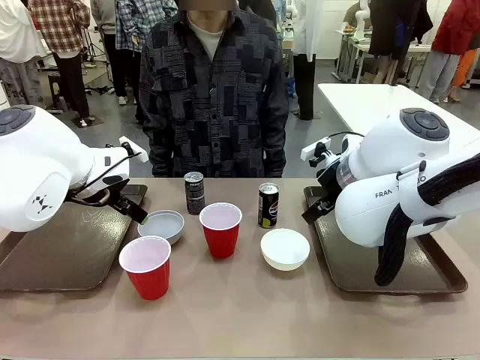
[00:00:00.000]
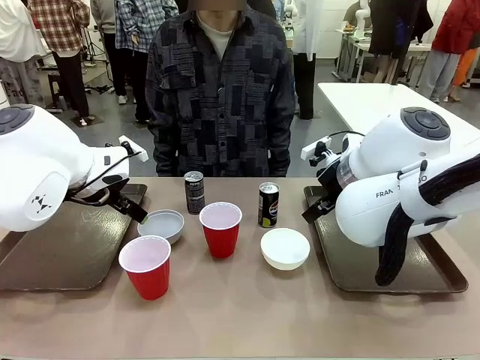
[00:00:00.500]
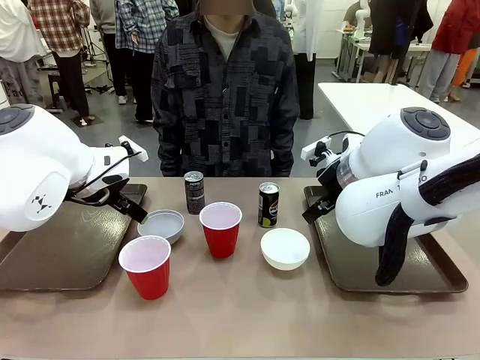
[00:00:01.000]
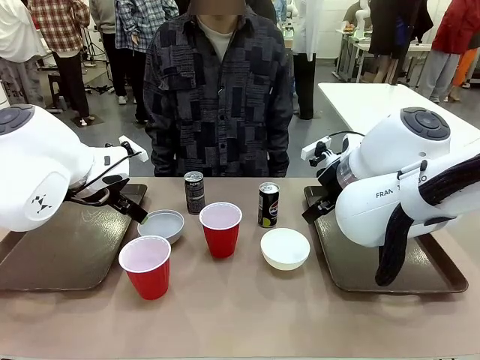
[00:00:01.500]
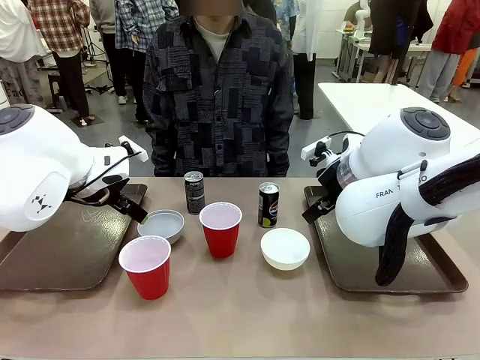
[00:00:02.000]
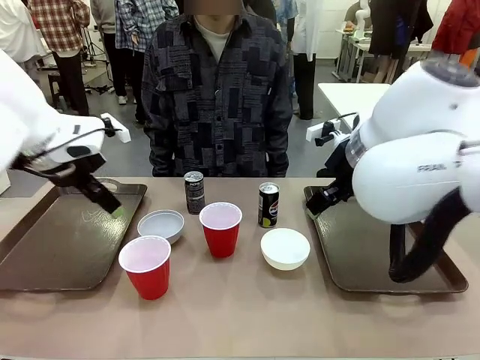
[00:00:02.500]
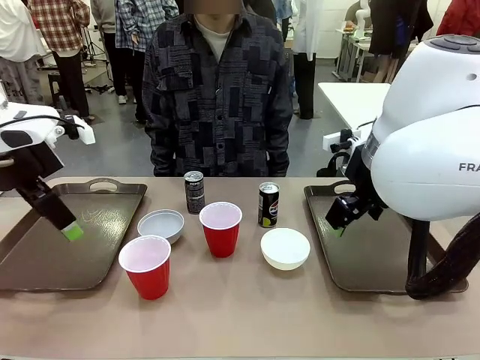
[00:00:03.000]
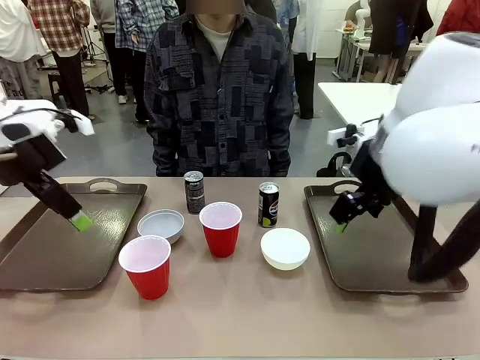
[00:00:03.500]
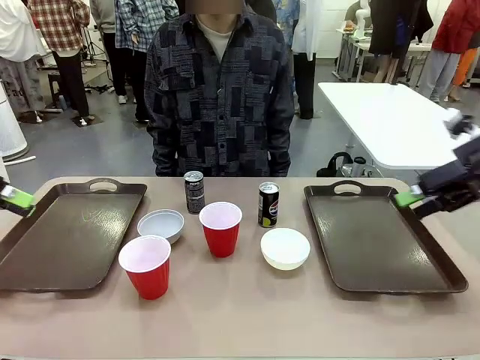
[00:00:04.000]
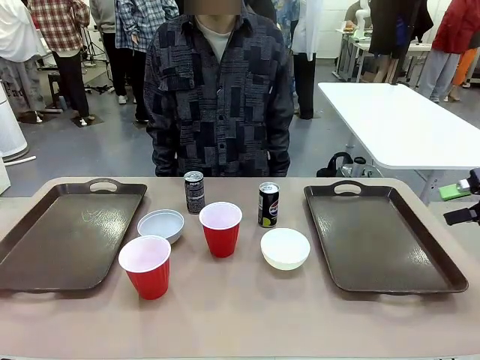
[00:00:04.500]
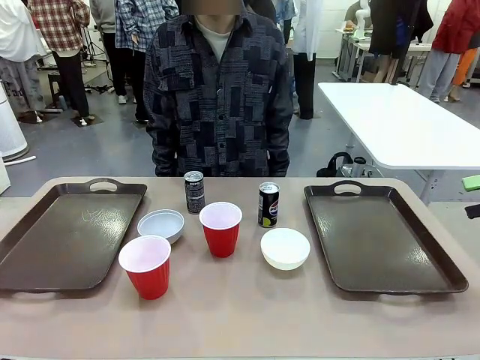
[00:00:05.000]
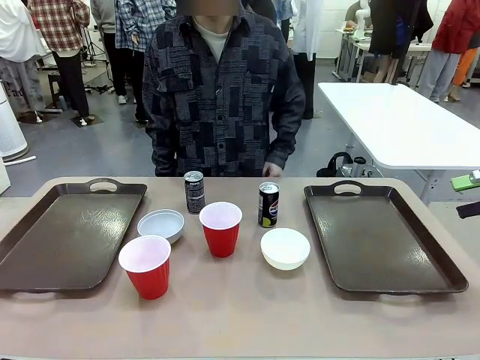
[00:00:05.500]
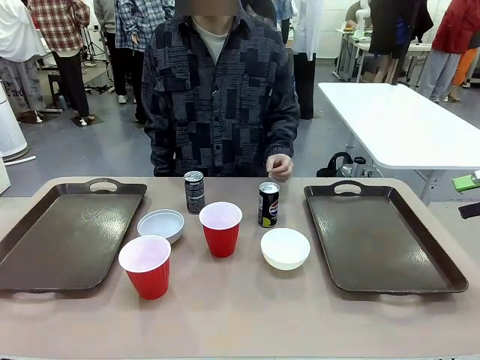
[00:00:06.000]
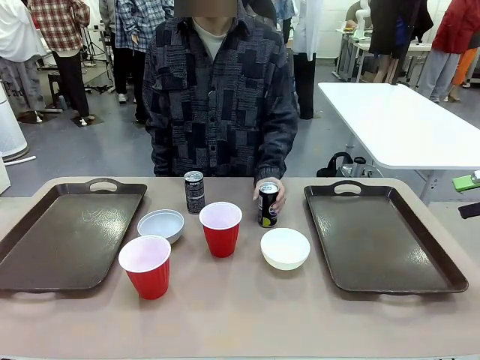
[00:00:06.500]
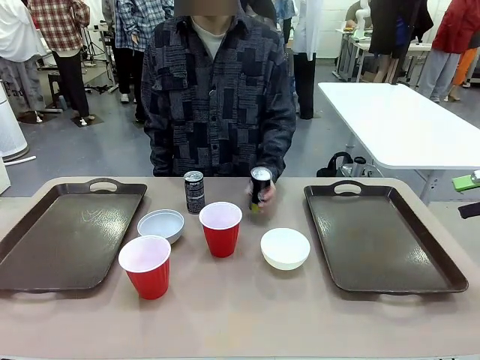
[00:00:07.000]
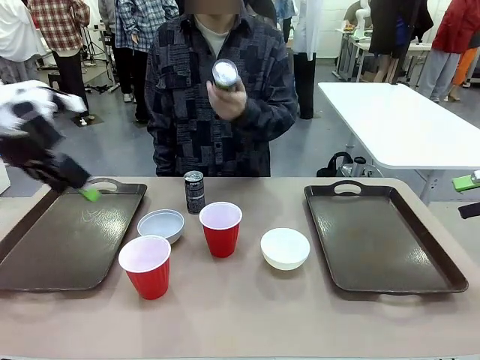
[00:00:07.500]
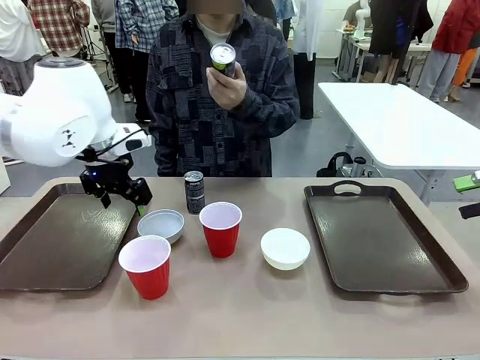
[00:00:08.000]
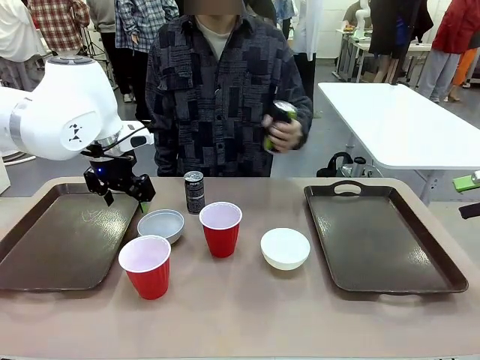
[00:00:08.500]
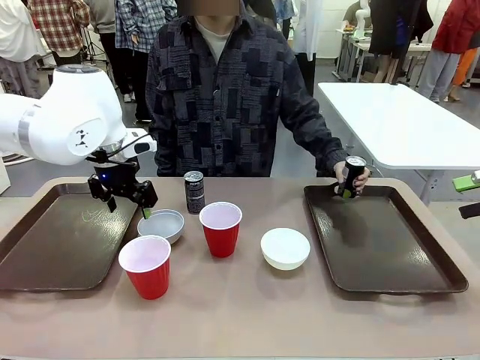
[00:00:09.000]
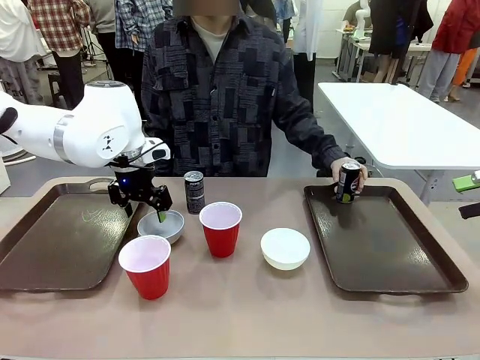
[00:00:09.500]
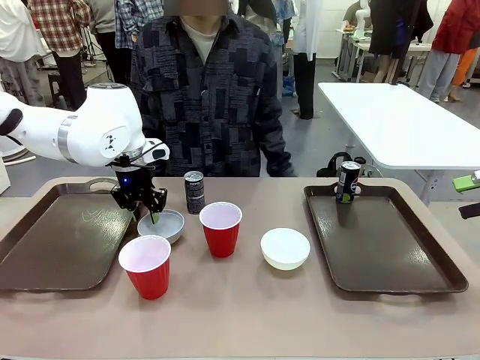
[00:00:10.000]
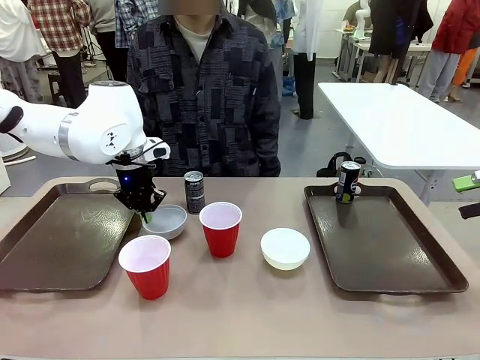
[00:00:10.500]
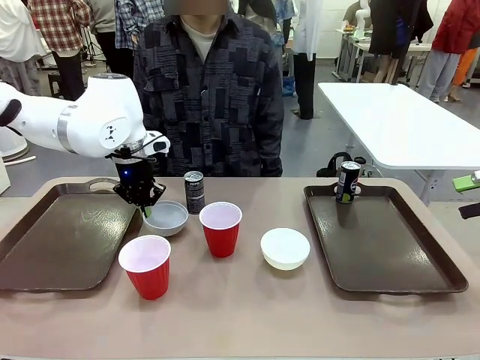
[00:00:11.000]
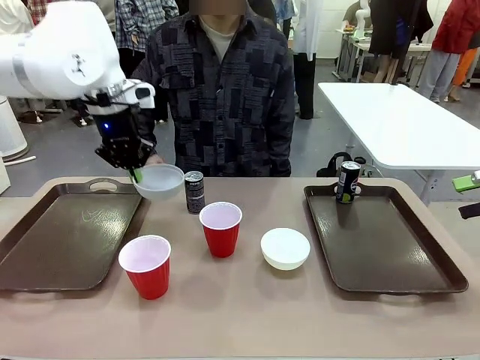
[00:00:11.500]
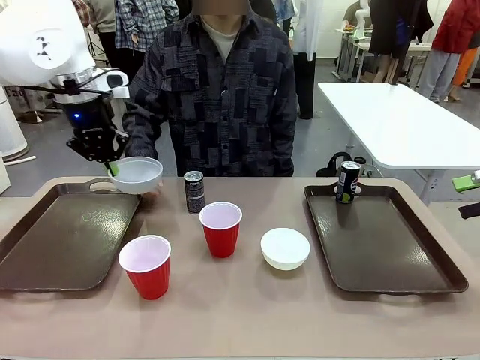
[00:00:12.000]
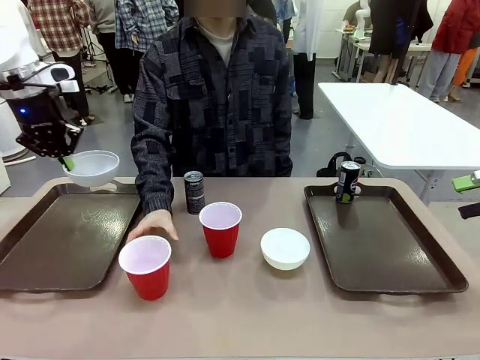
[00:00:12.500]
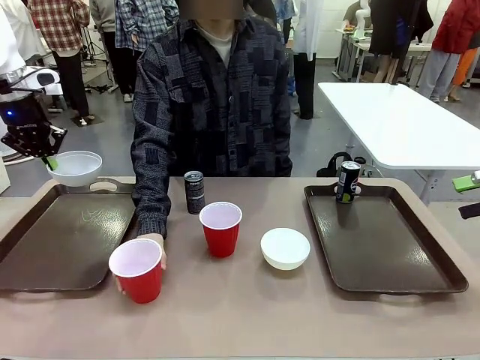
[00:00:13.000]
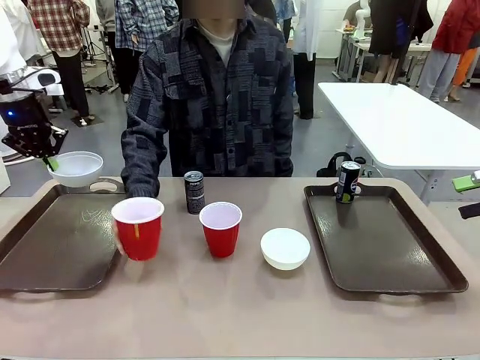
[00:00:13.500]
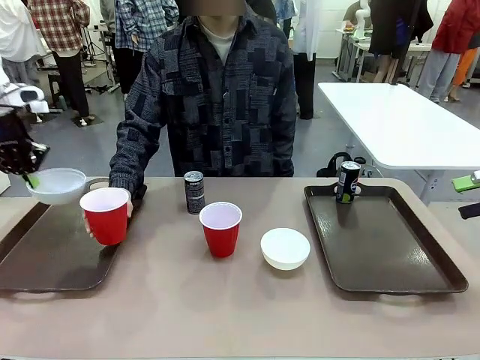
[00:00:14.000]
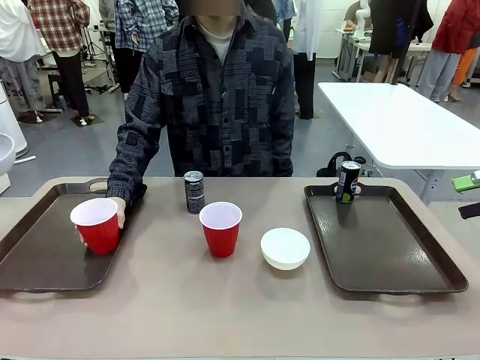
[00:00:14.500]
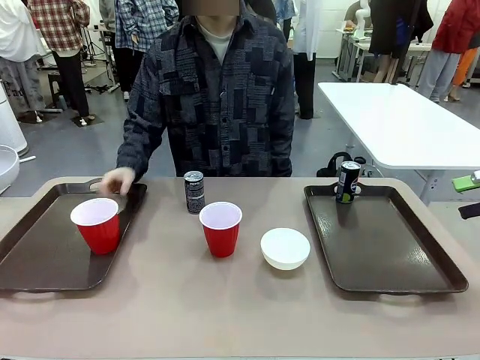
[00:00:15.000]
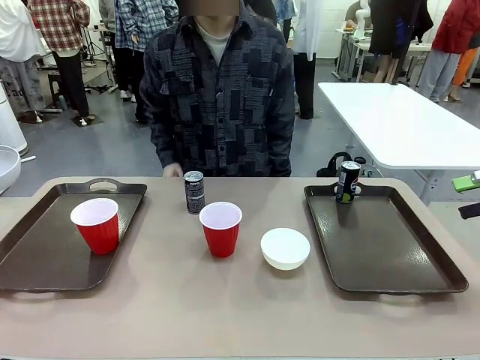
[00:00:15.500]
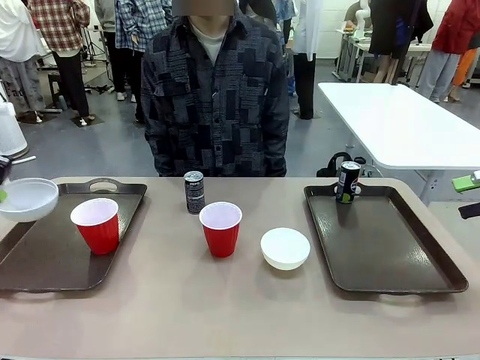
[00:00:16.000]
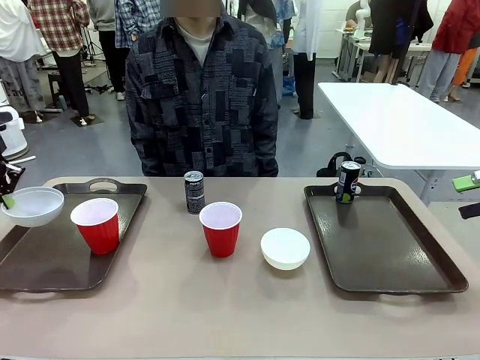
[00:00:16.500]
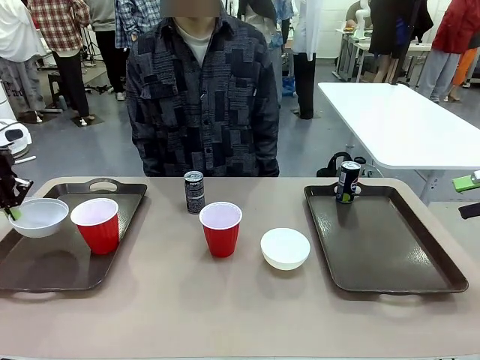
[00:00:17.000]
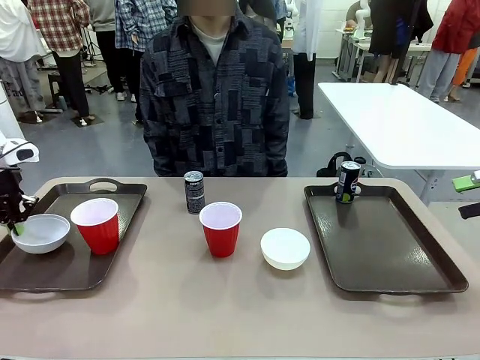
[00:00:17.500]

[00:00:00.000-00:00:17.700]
Task: Prepare tableware on both trays.
Robot: Pick up a Picnic Bowl from the table and place it on a Handle tray.
Person: Pick up a can or cup and place it on the tray.

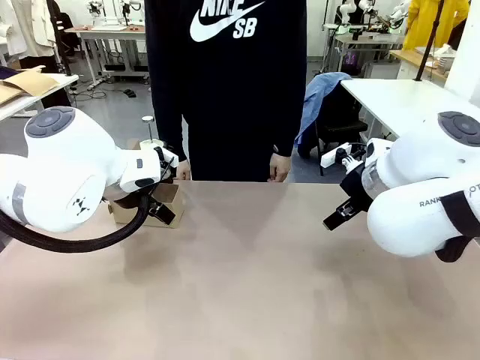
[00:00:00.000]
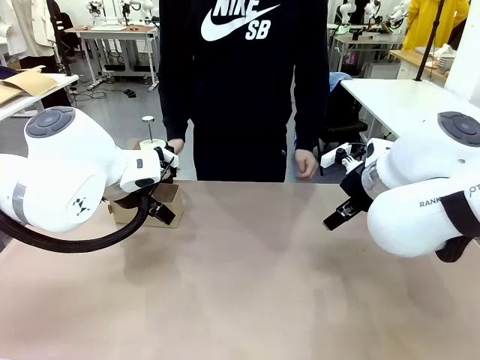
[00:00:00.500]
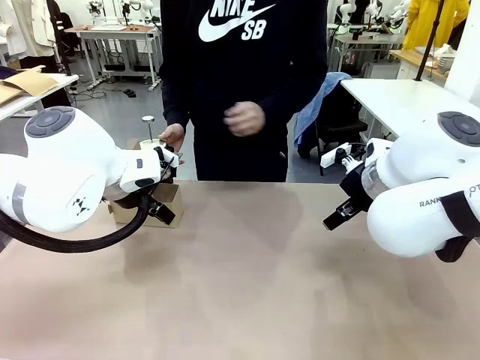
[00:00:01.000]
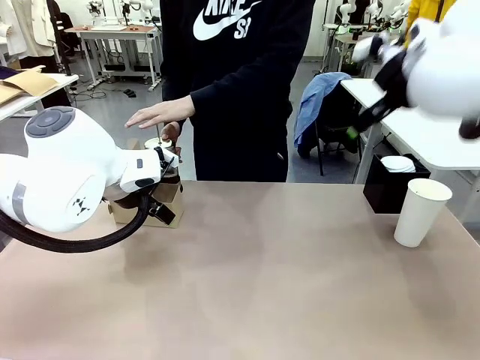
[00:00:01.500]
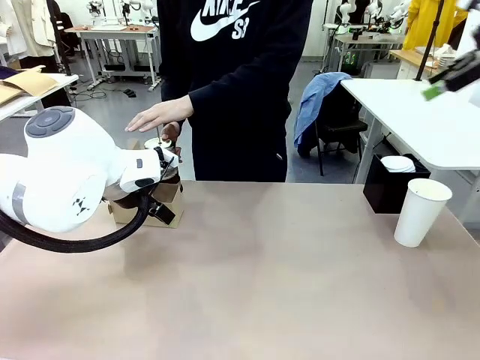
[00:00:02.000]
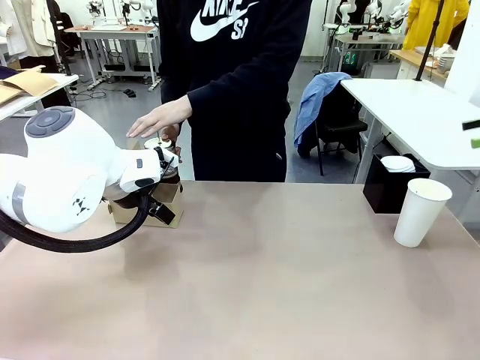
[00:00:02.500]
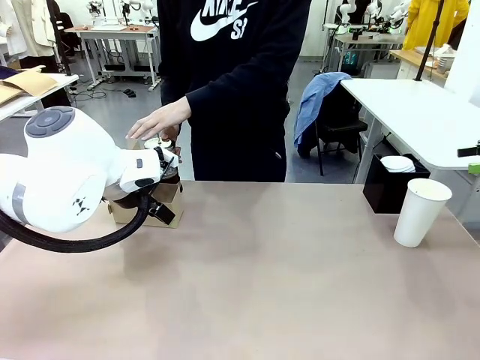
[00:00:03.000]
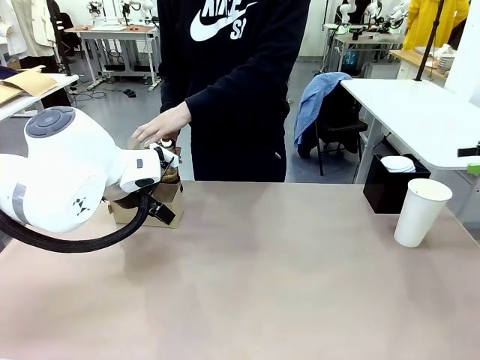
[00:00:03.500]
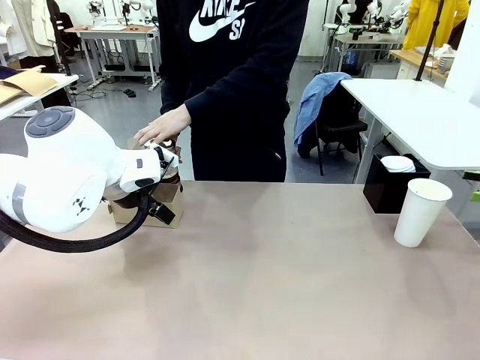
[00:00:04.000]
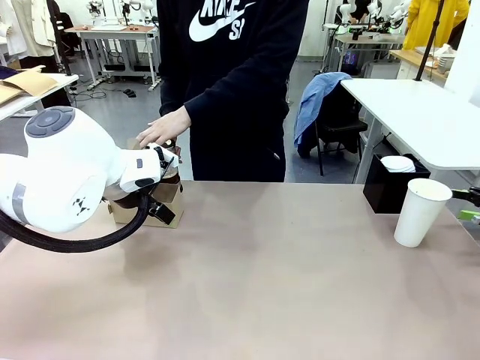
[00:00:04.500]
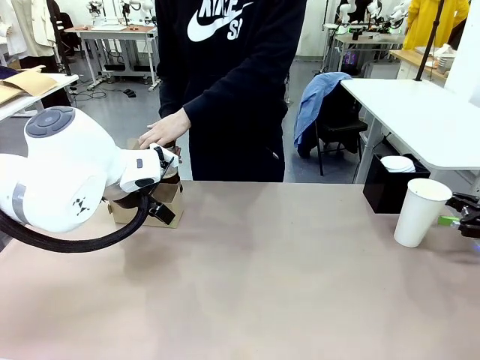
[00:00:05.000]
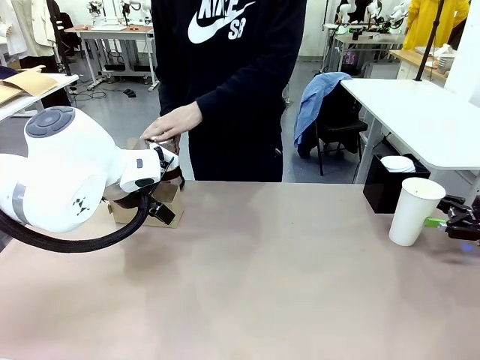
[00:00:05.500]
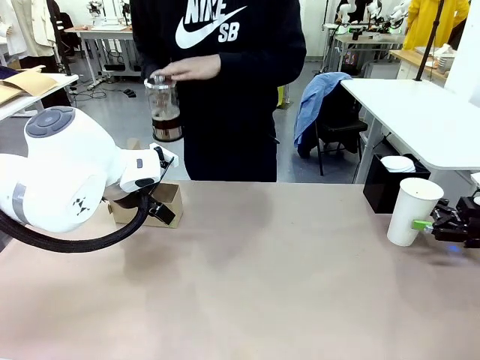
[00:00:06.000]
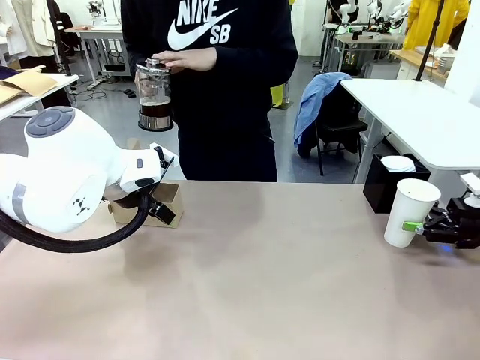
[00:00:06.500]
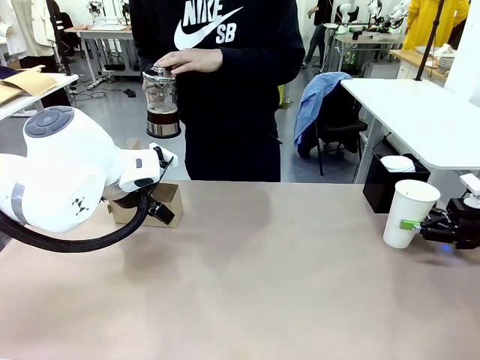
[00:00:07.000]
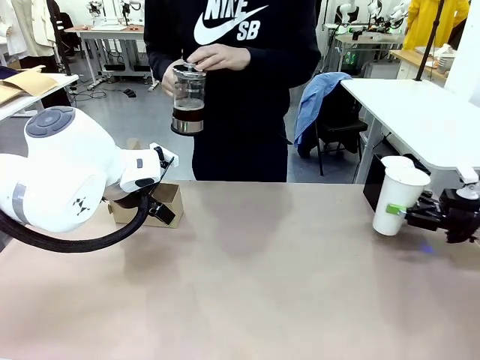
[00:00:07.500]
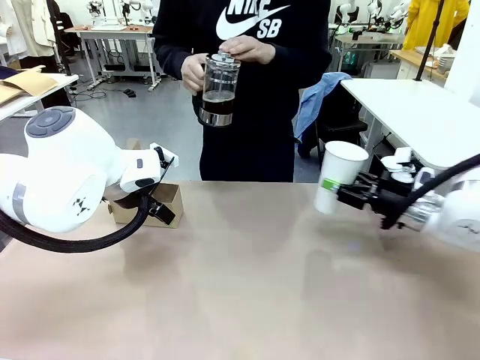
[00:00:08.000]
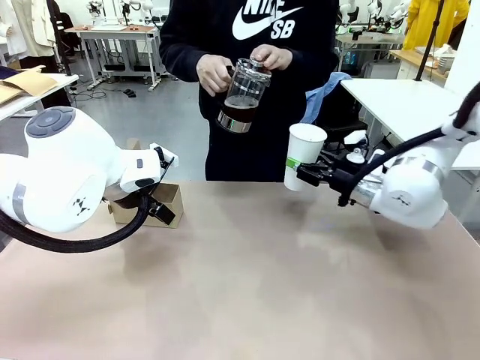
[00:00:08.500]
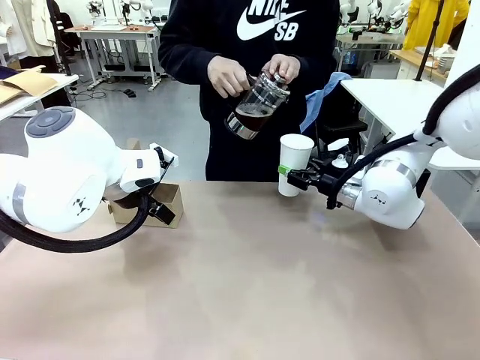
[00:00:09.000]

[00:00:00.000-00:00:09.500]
Task: Pour a drink into a cup and package it in a carrier.
Robot: Pick up the 600 ml Paper Cup and place it in the middle top area of the table.
Person: Press and pick up the Filter Brewing.
